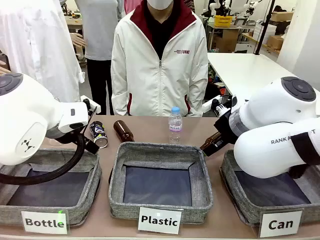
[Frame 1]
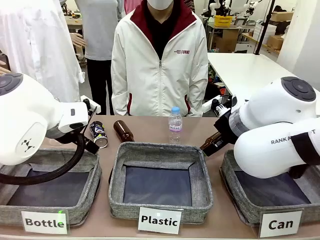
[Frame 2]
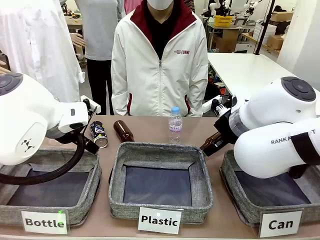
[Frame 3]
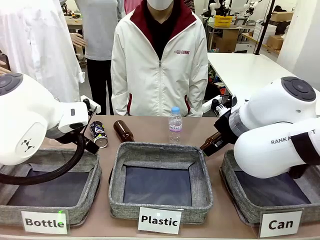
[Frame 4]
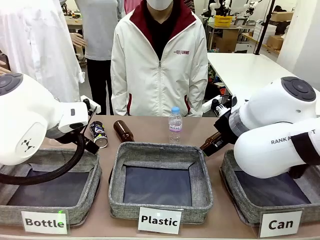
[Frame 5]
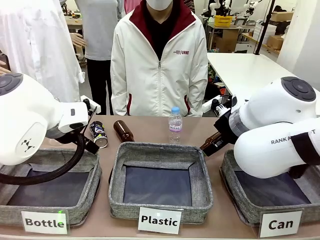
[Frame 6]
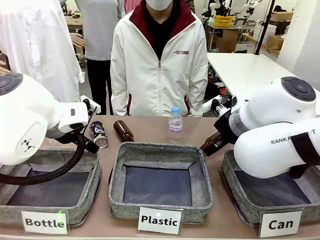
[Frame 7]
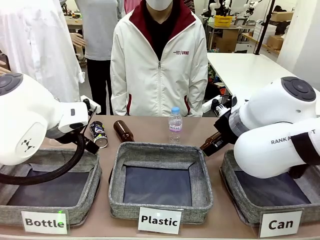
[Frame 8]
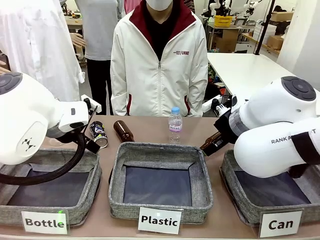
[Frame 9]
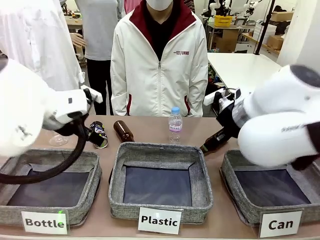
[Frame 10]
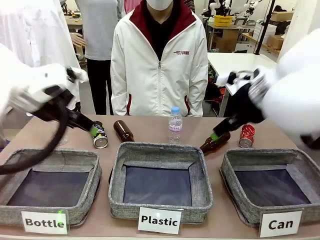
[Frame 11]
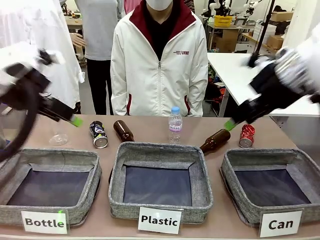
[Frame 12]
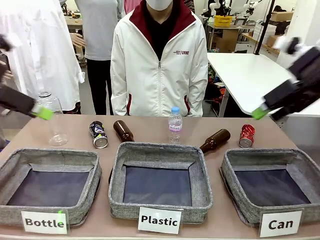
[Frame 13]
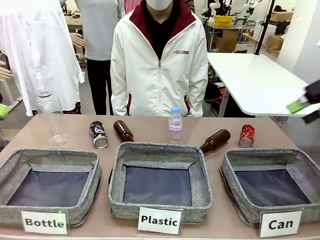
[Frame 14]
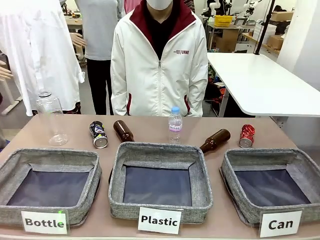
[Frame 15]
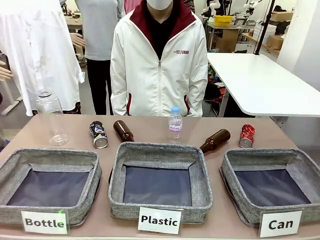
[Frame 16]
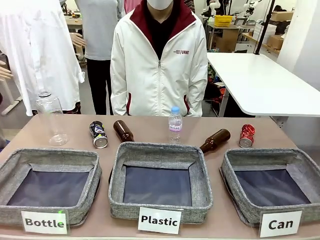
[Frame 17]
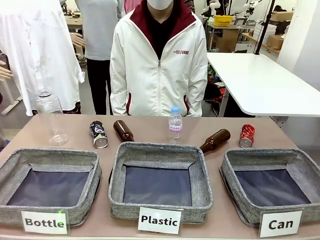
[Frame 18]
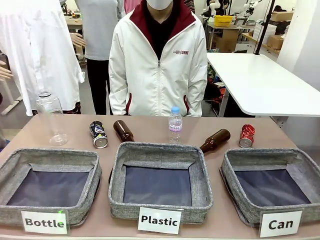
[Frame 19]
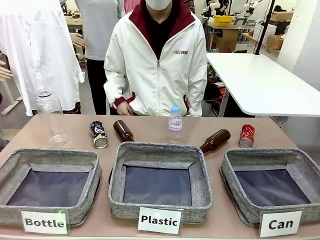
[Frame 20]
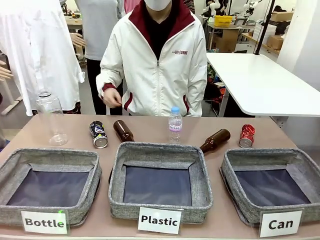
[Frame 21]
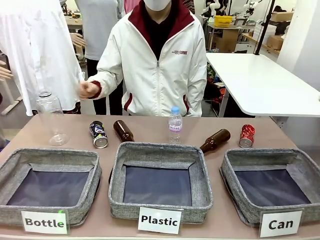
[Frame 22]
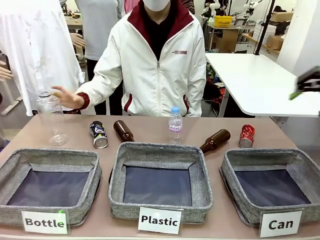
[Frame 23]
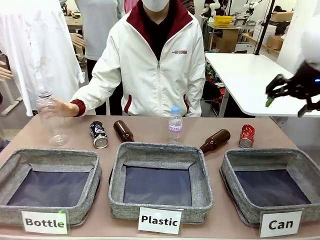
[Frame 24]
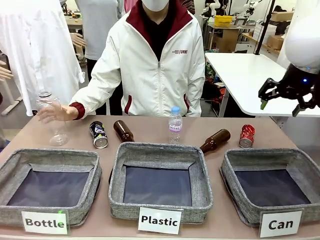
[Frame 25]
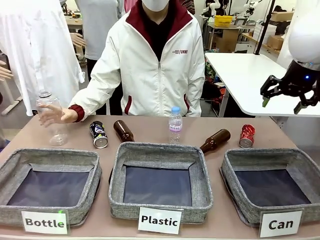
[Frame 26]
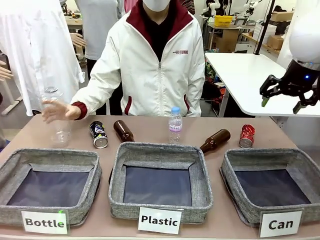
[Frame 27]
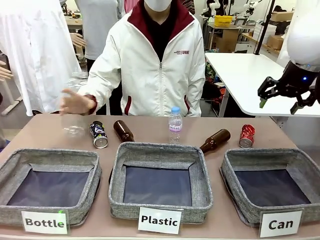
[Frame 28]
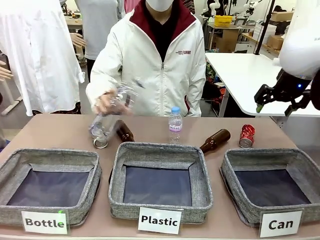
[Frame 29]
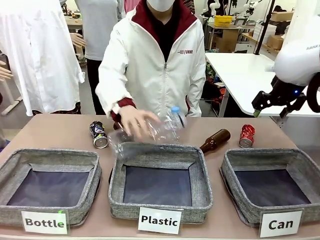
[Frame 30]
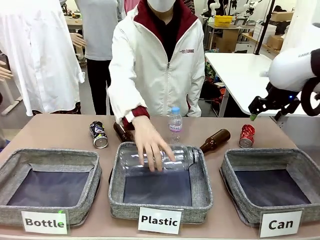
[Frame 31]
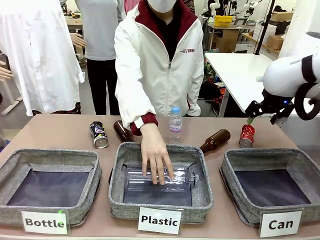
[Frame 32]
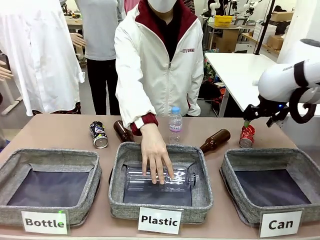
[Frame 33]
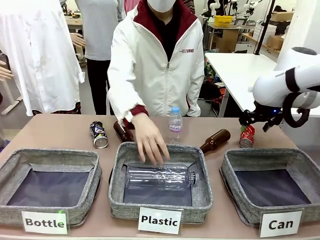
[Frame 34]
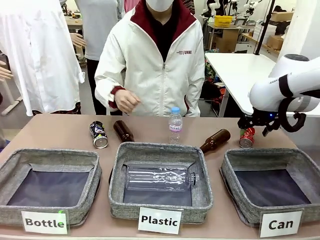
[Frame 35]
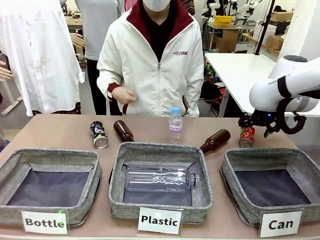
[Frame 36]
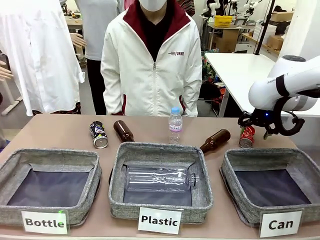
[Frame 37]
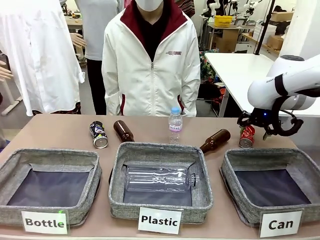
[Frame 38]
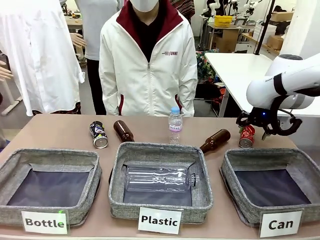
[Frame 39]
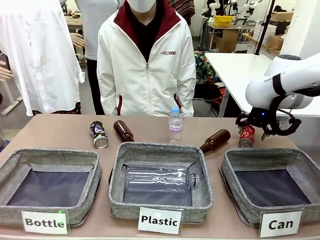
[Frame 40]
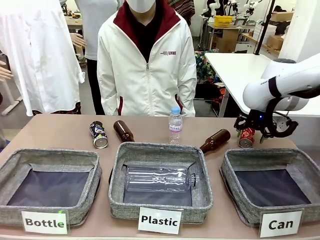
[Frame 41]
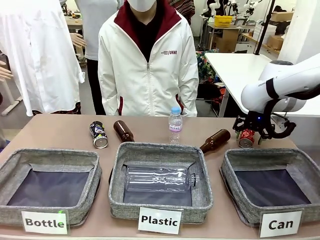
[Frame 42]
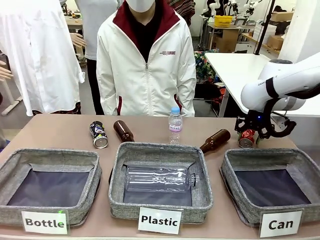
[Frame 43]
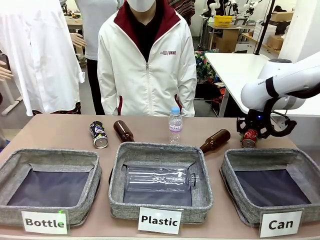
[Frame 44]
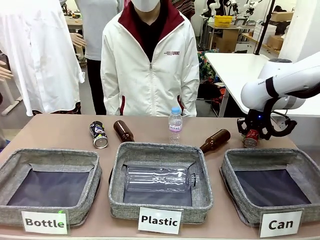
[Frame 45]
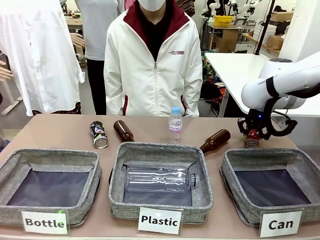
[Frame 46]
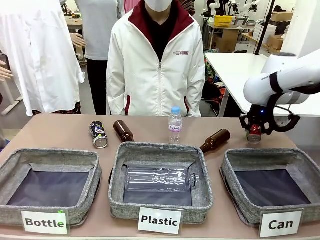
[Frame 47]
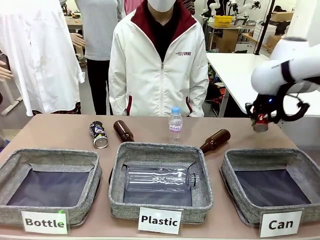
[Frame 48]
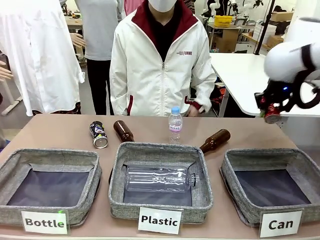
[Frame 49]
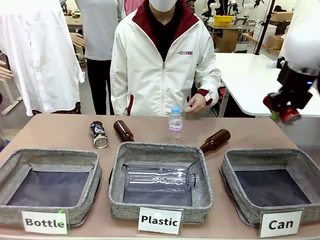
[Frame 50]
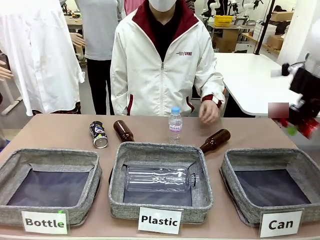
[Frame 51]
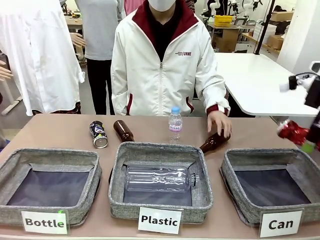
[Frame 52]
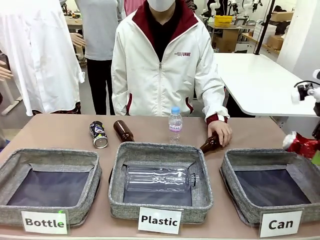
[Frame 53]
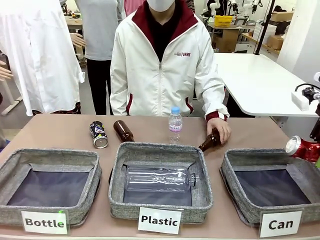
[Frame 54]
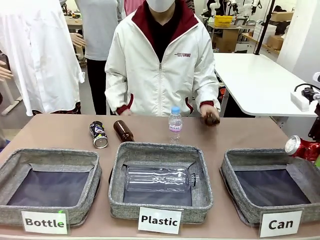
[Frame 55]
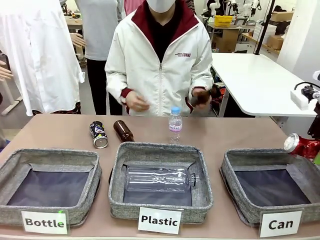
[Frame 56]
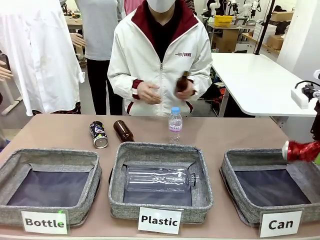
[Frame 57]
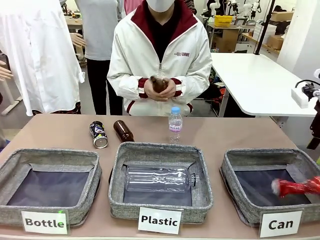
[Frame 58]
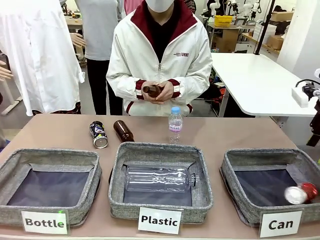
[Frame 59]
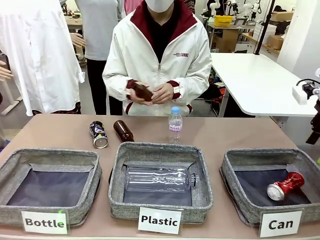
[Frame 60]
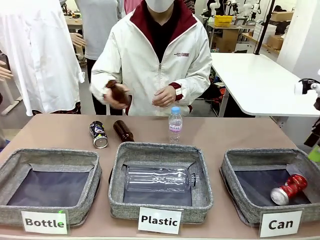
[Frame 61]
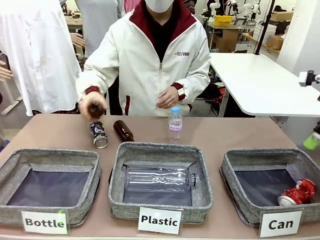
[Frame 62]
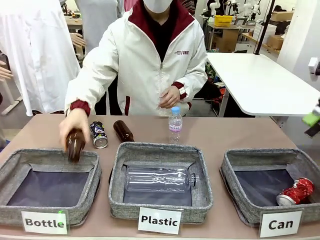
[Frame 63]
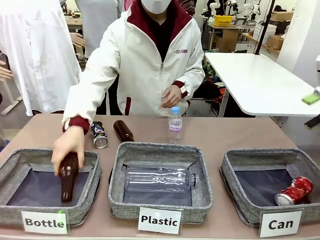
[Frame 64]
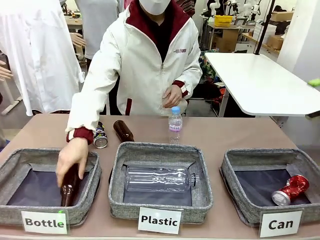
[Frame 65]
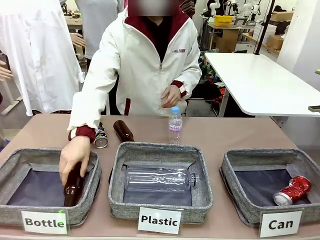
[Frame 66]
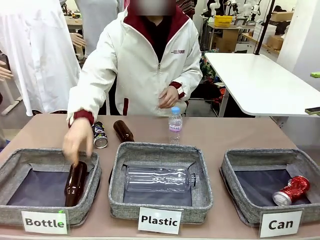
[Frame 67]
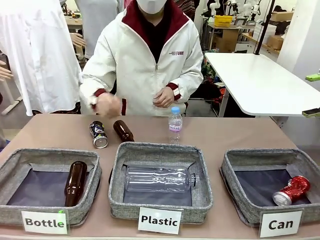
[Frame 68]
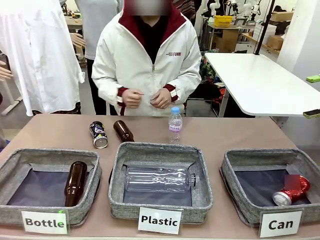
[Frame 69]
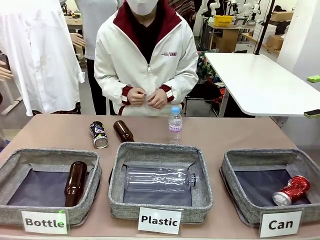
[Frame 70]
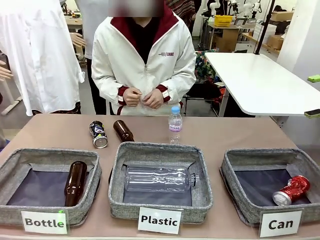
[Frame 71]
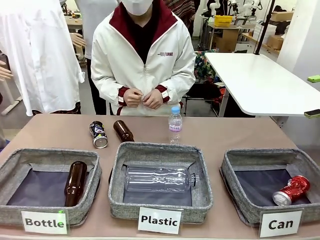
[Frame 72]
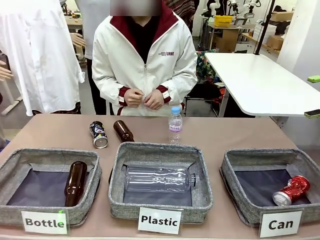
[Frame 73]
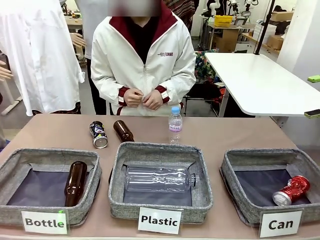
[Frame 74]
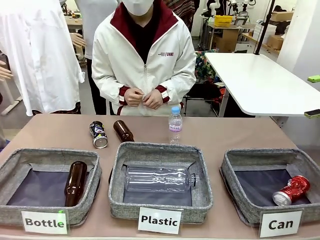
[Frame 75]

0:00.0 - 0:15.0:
Task: Sort the can waste into the basket.
Robot: Pick up the can waste from the table and place it in the right Fabric basket.
